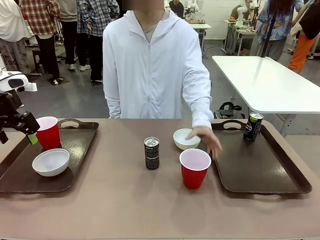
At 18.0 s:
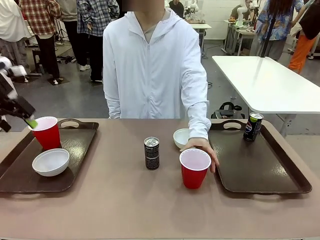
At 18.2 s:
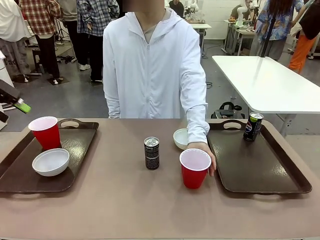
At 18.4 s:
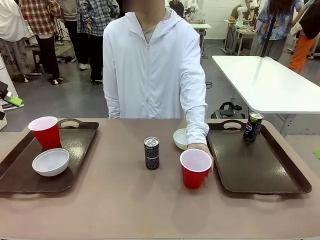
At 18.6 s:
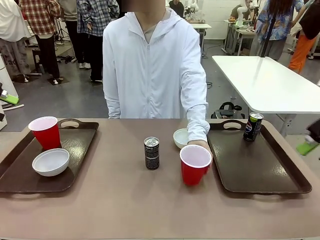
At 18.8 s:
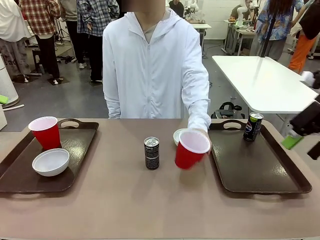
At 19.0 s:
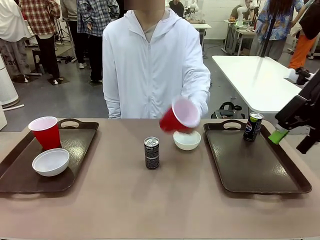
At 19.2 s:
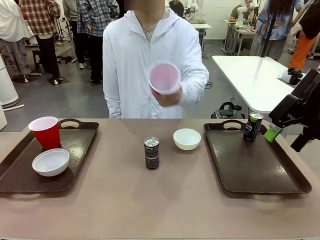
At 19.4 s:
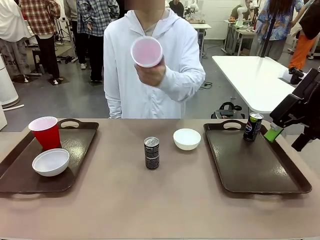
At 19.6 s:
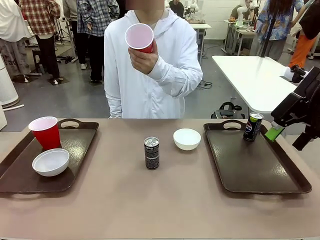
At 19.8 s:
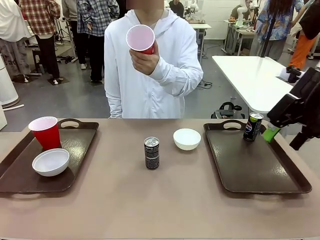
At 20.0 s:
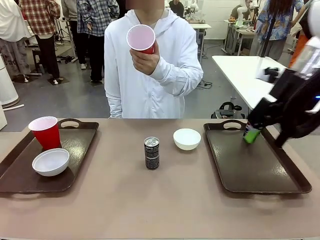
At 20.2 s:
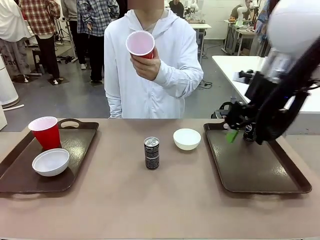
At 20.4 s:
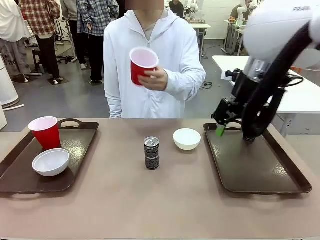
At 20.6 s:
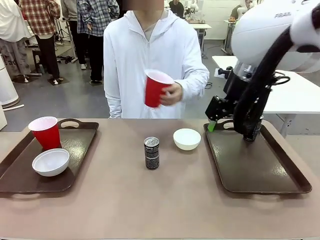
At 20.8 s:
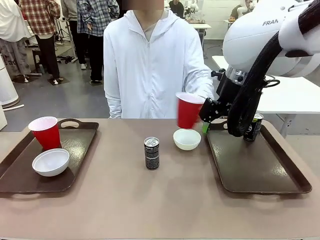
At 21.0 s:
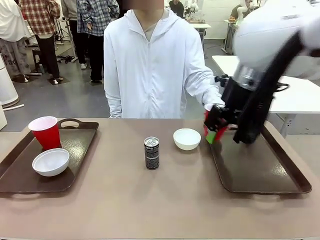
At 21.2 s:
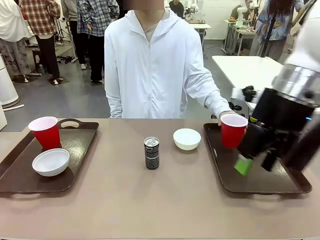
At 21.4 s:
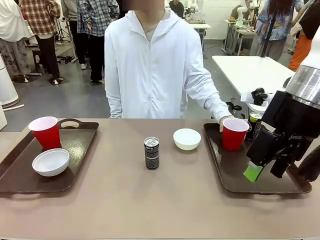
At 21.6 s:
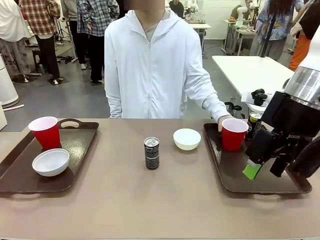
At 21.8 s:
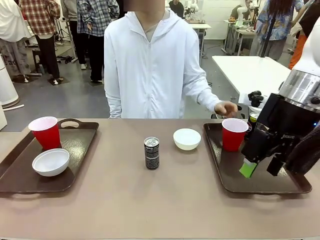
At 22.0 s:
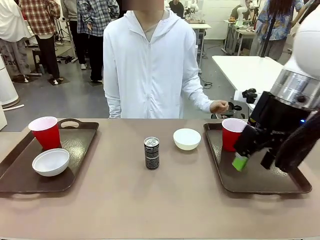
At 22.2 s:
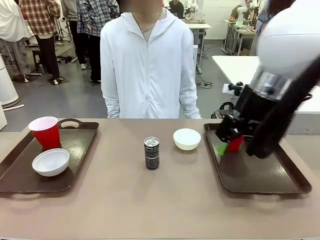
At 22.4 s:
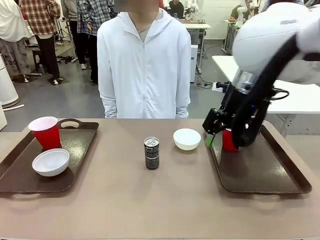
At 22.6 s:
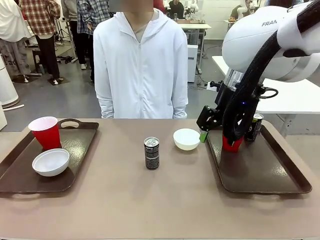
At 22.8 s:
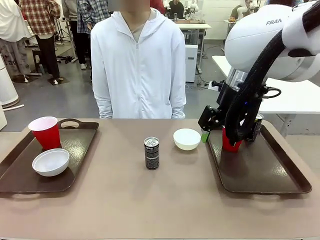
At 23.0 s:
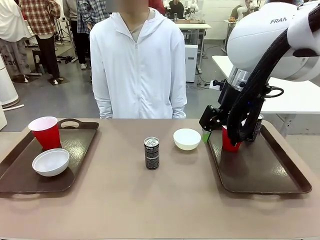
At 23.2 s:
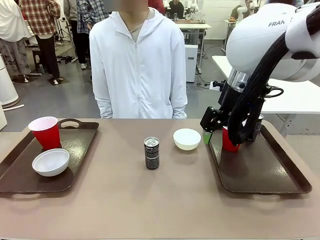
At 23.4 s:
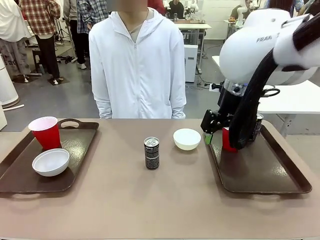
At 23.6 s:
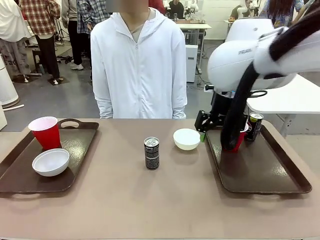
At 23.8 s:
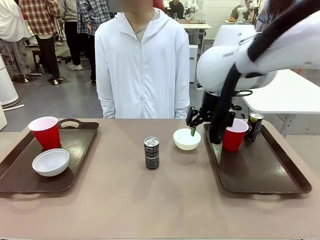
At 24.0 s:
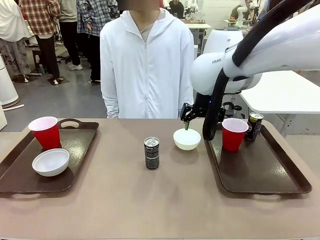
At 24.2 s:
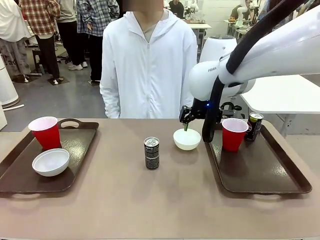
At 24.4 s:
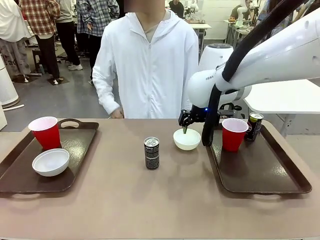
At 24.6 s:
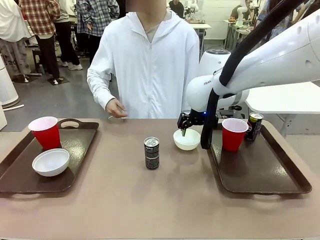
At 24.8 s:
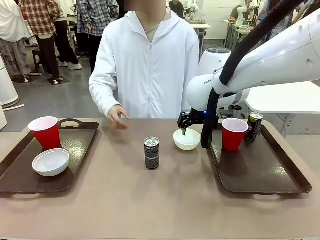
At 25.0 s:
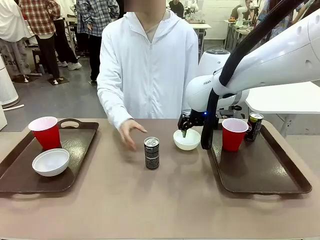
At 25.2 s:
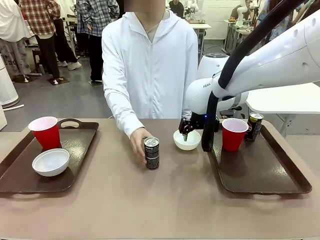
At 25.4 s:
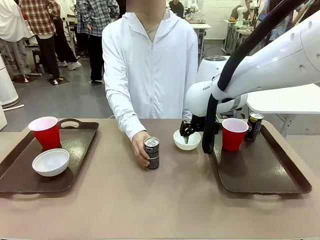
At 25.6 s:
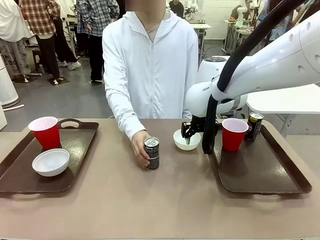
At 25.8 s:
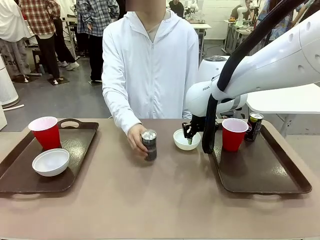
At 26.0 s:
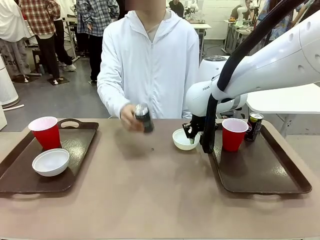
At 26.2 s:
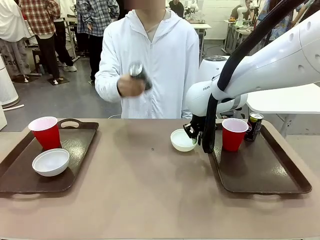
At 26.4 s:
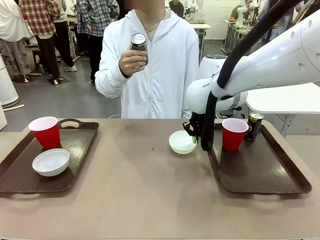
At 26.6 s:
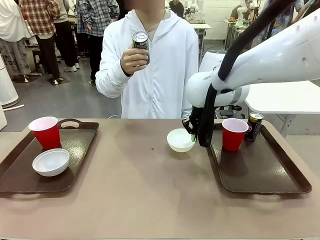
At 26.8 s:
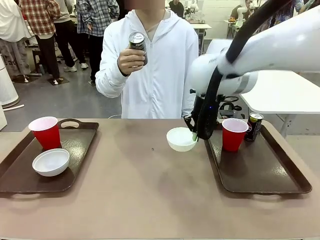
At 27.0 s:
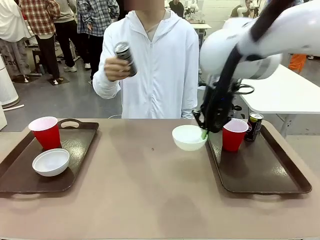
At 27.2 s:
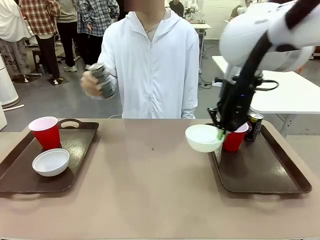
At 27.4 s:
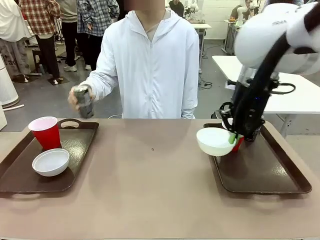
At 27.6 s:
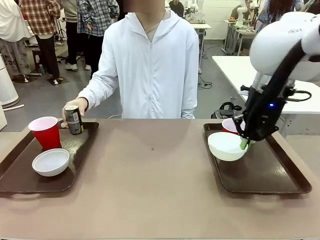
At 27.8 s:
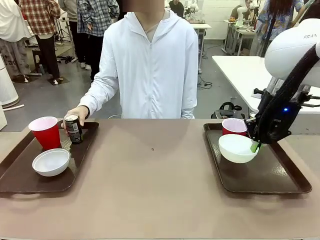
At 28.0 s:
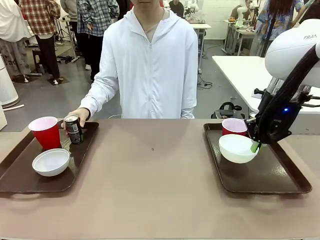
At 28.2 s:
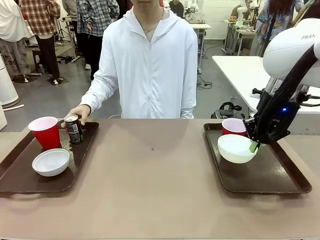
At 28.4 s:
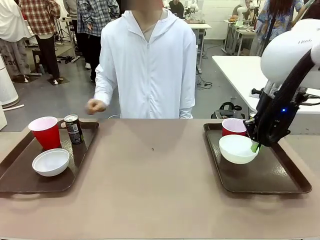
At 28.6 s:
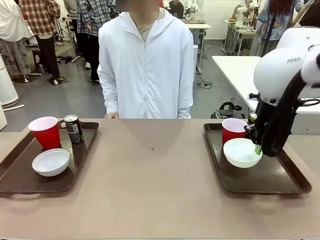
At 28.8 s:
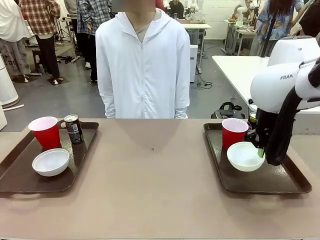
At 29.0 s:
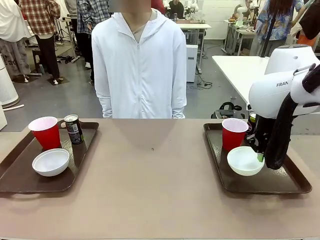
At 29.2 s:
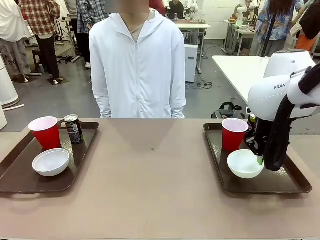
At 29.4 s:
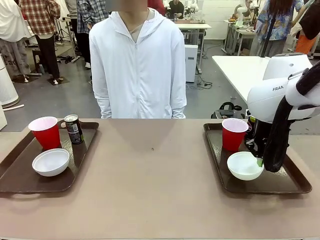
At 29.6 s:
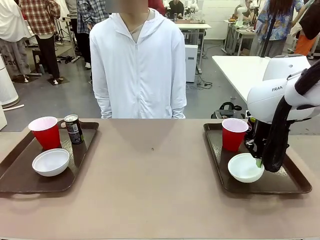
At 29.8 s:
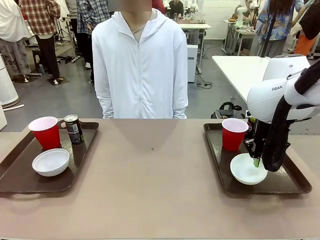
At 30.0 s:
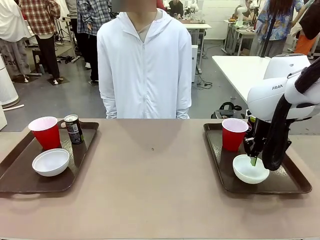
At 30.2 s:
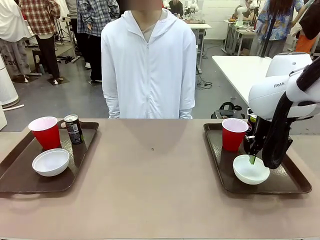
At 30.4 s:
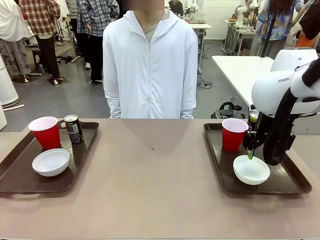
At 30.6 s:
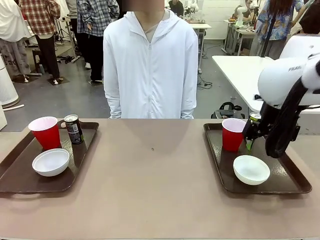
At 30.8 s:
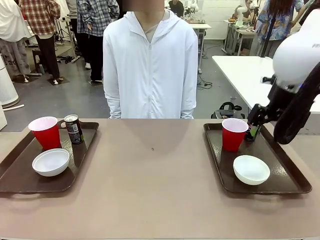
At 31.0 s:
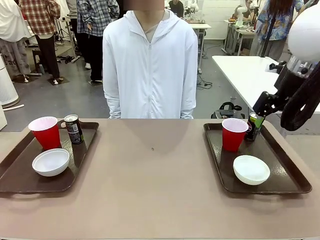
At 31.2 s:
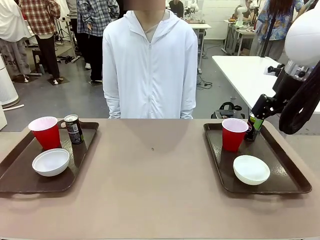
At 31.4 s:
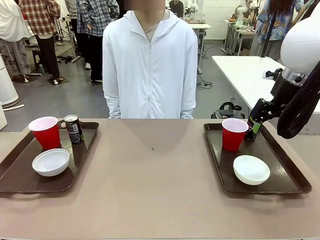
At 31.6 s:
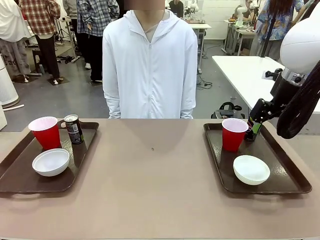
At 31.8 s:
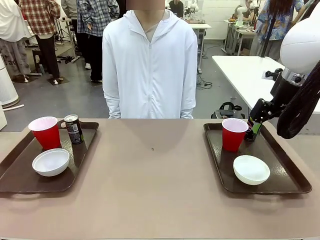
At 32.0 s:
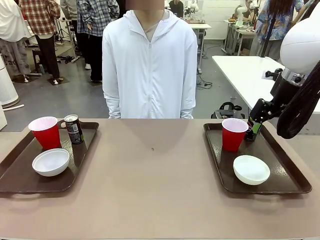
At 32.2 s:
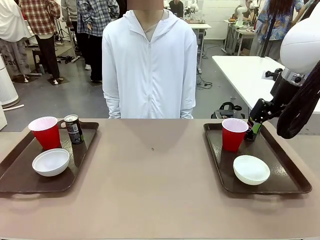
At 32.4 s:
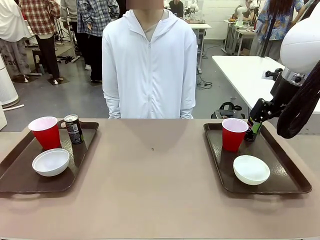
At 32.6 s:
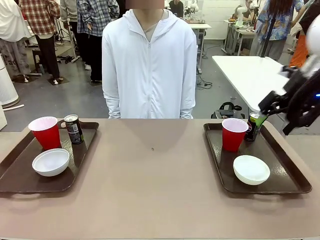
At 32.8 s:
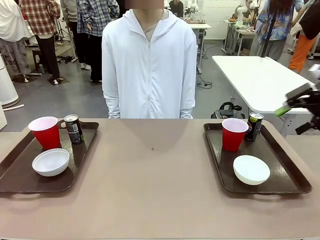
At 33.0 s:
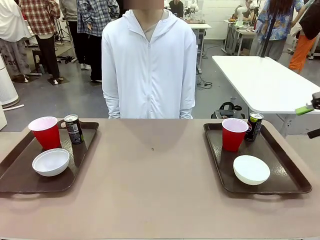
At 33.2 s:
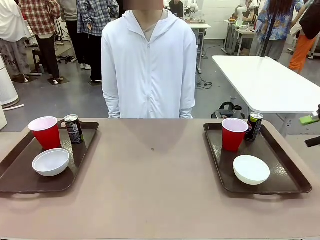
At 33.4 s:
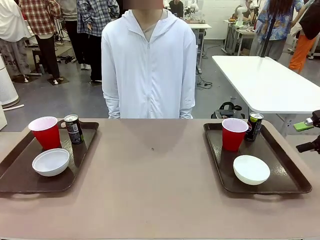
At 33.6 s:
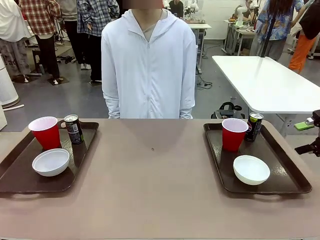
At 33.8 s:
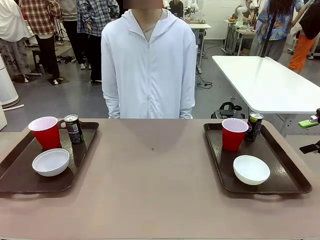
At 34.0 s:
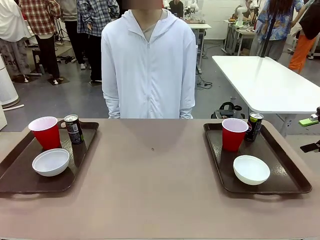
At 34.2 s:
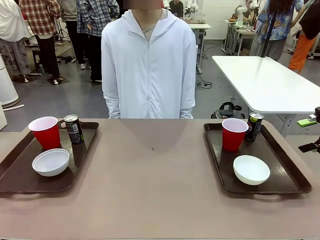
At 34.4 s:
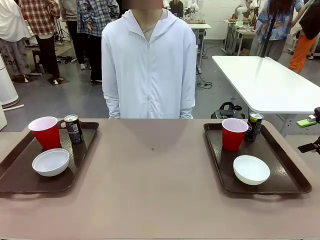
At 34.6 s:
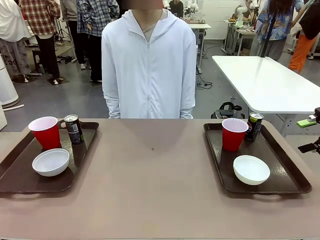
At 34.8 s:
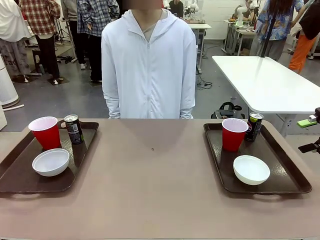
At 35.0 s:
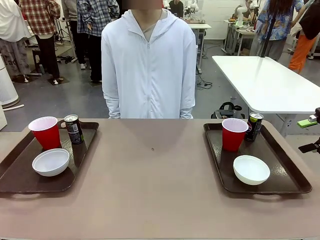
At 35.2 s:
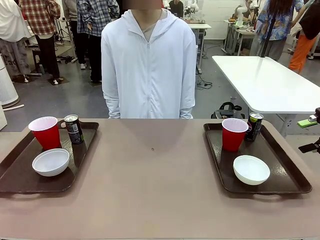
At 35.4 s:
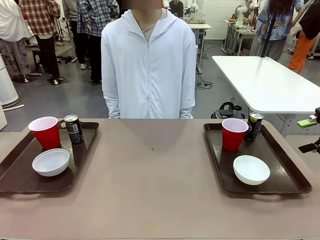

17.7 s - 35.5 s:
Task: Prepare tableware on both trays.
Robot: Pick up a Picnic Bowl from the table and place it on a Handle tray.
Person: Pick up a can or cup and place it on the tray without a can or cup.

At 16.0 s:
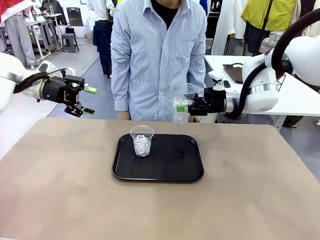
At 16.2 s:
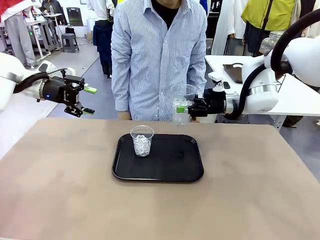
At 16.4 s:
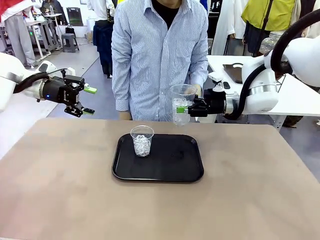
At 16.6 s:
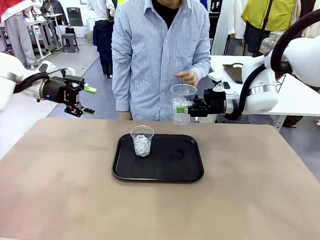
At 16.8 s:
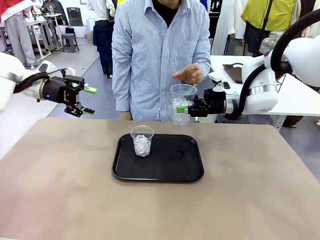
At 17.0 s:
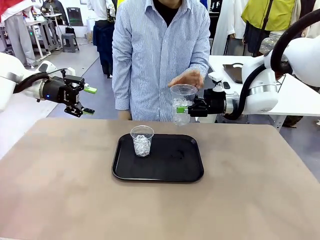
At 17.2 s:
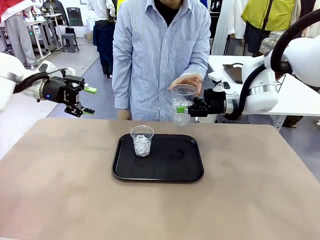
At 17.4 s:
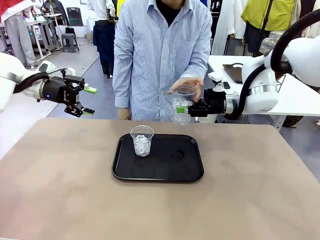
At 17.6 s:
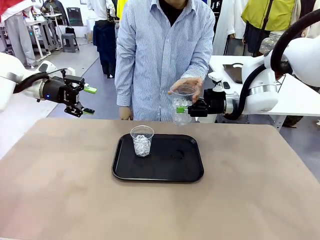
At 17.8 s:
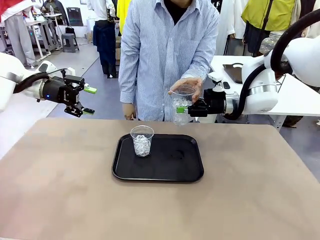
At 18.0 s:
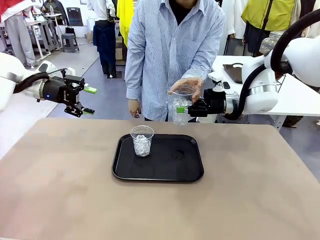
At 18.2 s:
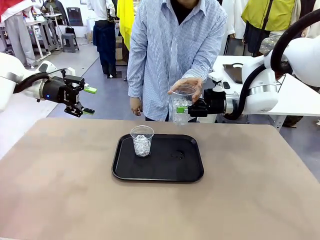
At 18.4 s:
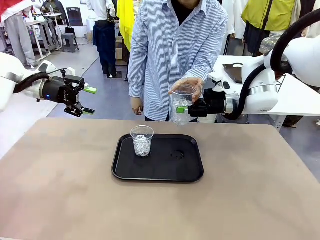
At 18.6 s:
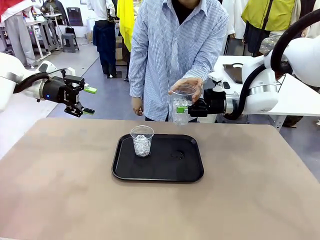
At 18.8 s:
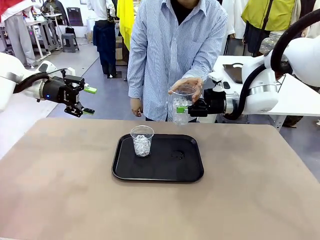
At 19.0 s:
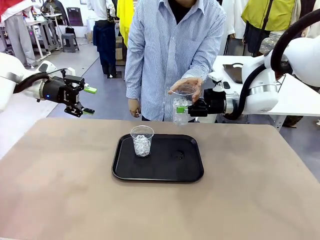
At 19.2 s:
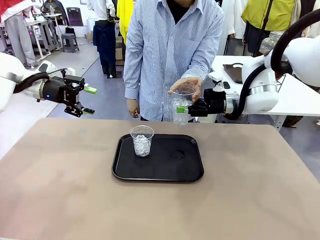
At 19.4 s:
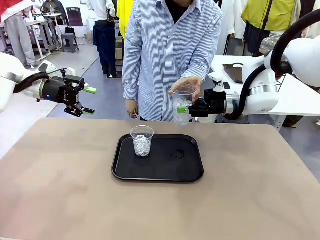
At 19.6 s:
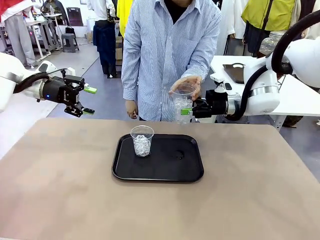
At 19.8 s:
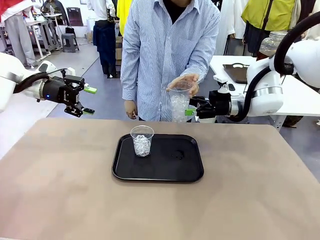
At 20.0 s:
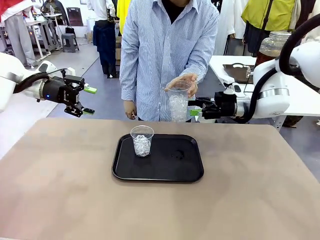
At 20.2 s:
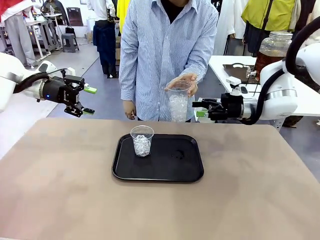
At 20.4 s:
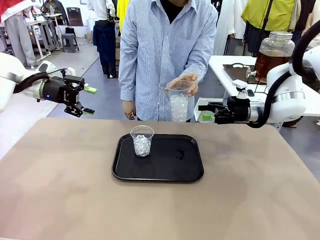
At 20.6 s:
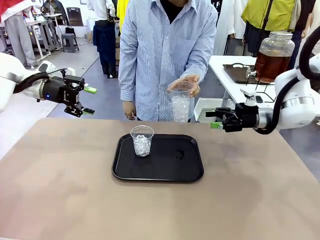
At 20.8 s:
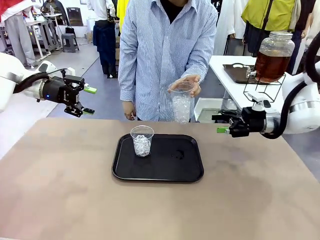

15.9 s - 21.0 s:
Task: Pour the drink into the iced cup.
Robot: Open the gripper to release the iced cup you were holding.
